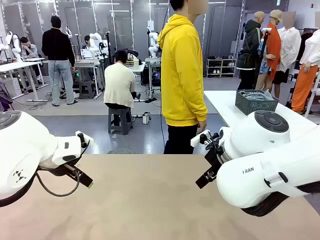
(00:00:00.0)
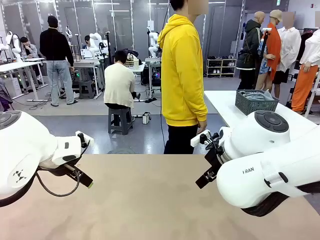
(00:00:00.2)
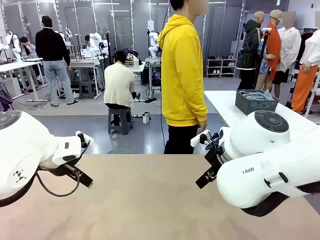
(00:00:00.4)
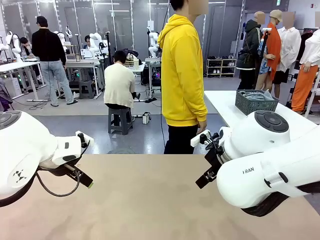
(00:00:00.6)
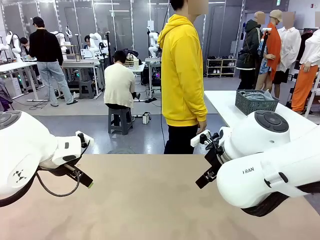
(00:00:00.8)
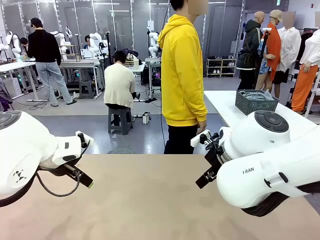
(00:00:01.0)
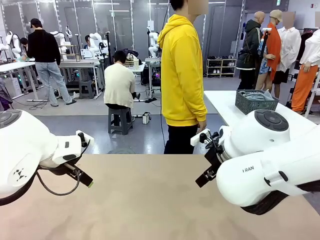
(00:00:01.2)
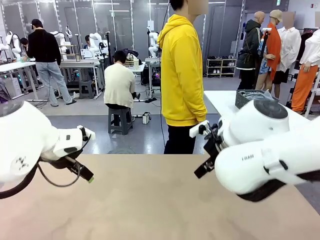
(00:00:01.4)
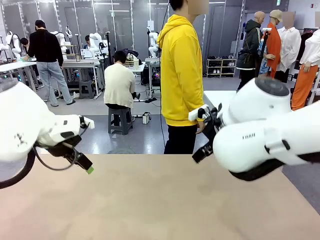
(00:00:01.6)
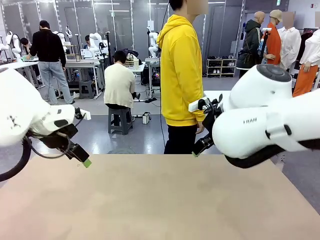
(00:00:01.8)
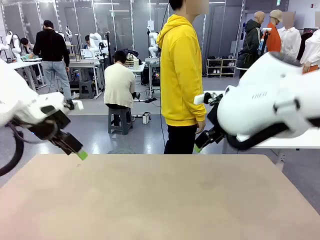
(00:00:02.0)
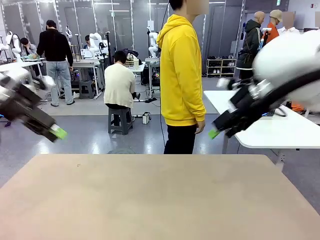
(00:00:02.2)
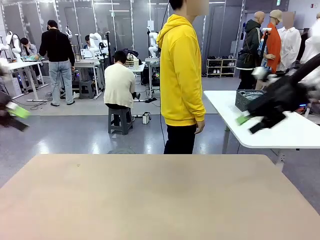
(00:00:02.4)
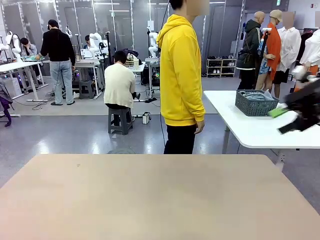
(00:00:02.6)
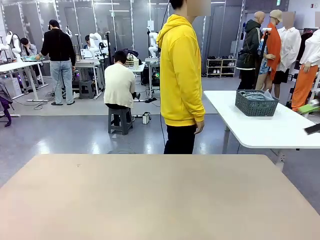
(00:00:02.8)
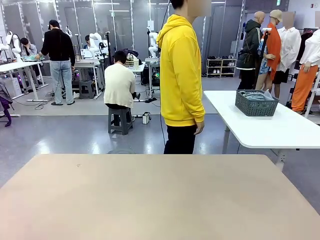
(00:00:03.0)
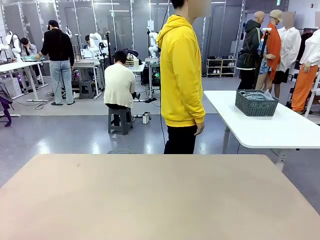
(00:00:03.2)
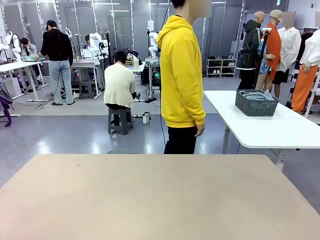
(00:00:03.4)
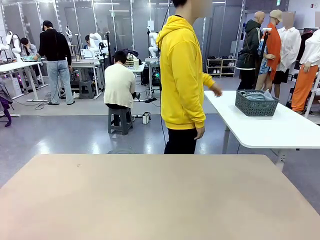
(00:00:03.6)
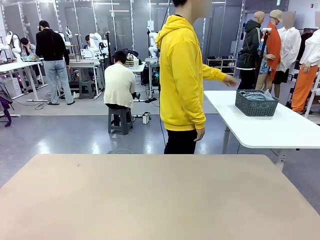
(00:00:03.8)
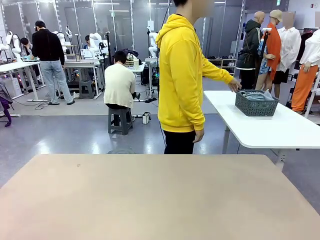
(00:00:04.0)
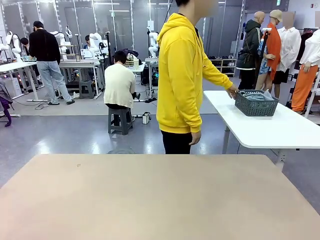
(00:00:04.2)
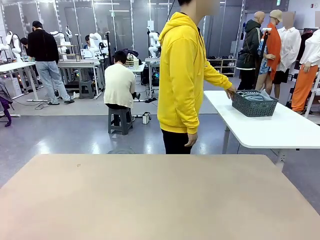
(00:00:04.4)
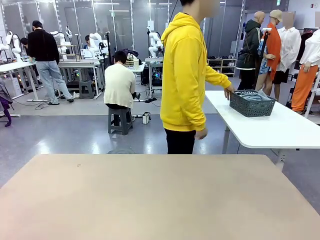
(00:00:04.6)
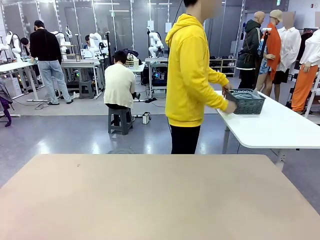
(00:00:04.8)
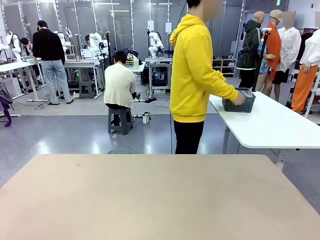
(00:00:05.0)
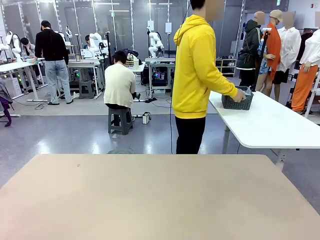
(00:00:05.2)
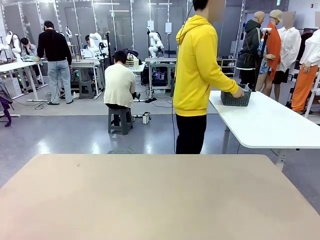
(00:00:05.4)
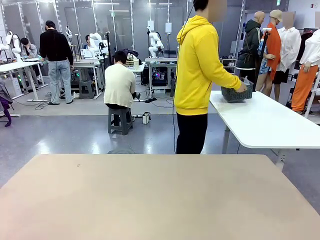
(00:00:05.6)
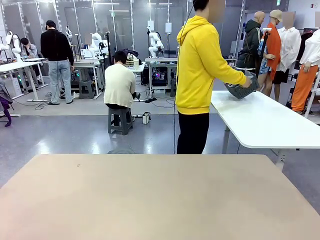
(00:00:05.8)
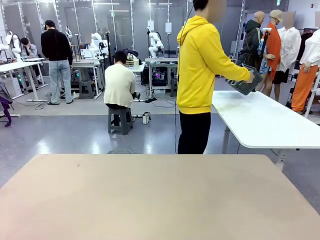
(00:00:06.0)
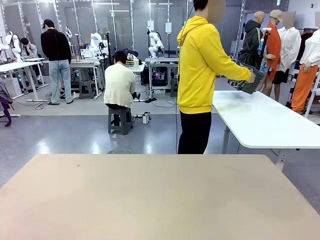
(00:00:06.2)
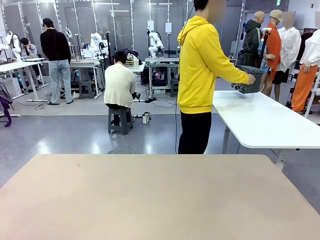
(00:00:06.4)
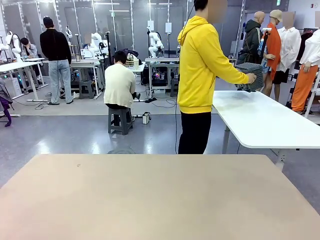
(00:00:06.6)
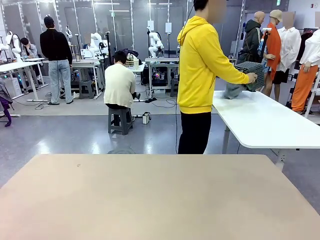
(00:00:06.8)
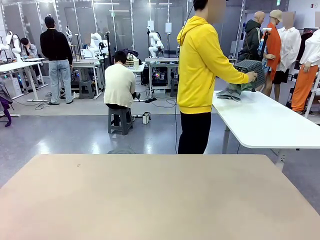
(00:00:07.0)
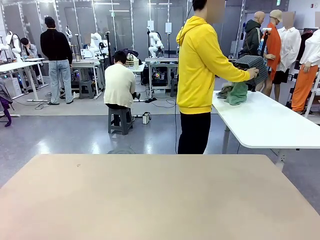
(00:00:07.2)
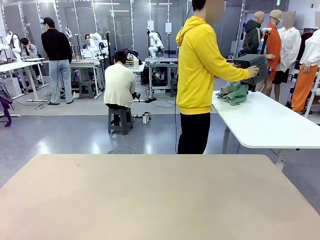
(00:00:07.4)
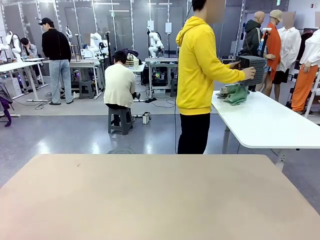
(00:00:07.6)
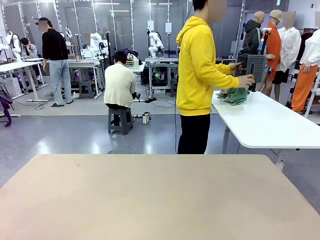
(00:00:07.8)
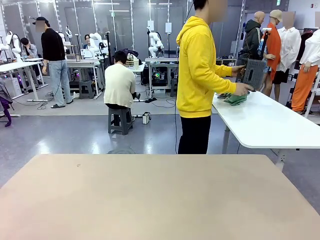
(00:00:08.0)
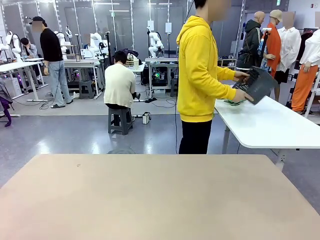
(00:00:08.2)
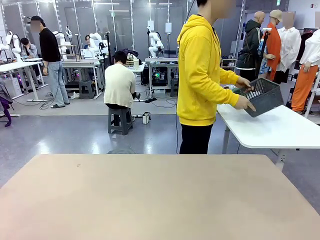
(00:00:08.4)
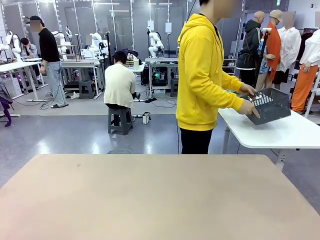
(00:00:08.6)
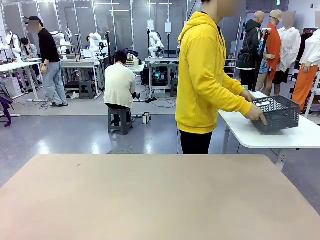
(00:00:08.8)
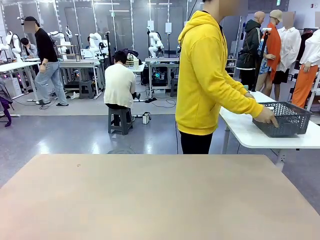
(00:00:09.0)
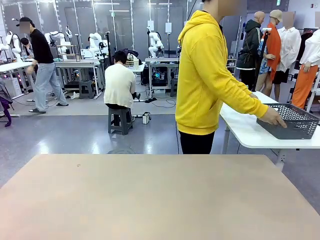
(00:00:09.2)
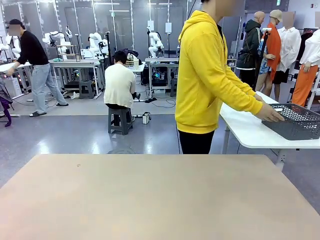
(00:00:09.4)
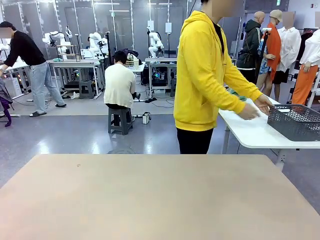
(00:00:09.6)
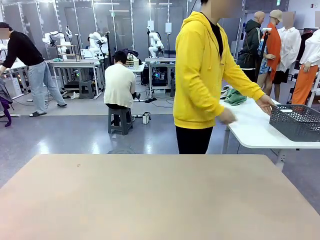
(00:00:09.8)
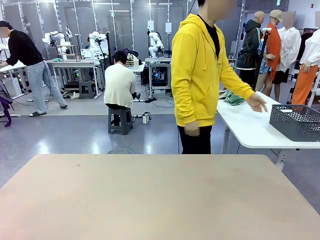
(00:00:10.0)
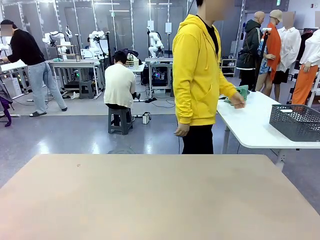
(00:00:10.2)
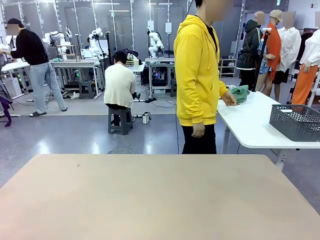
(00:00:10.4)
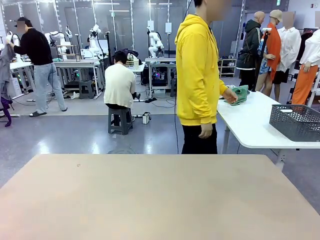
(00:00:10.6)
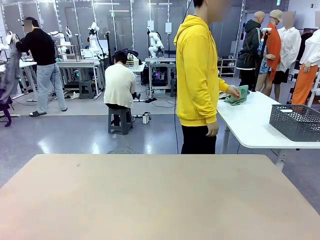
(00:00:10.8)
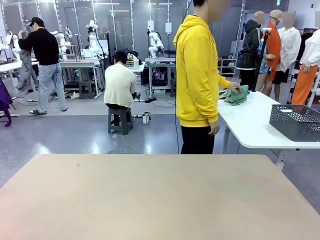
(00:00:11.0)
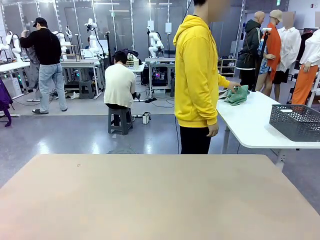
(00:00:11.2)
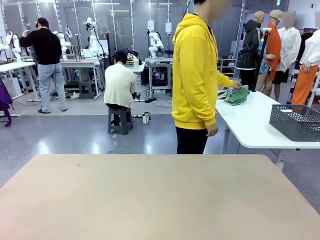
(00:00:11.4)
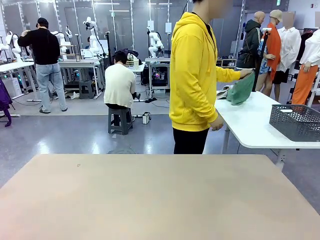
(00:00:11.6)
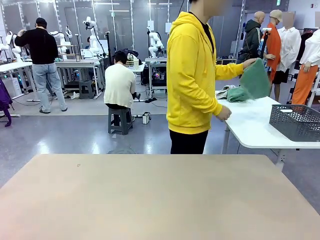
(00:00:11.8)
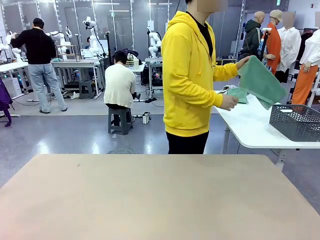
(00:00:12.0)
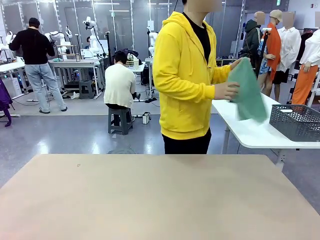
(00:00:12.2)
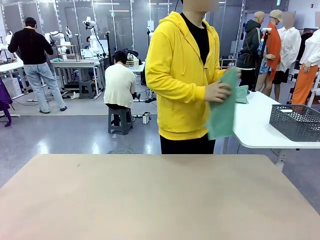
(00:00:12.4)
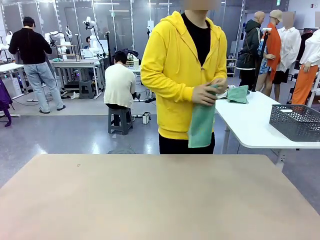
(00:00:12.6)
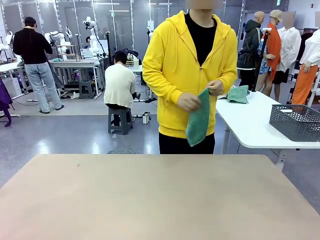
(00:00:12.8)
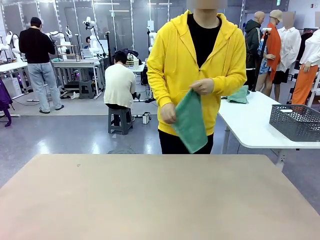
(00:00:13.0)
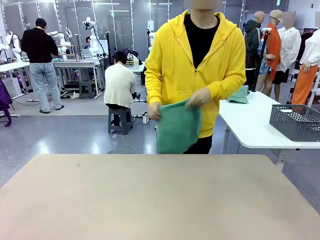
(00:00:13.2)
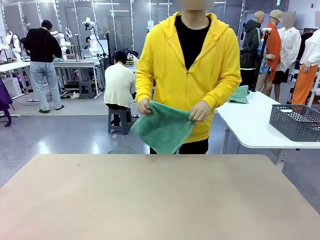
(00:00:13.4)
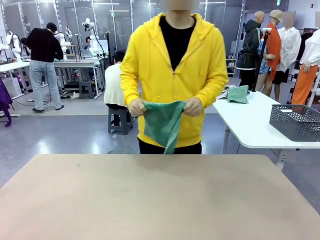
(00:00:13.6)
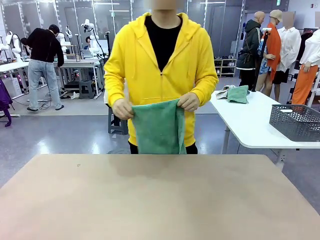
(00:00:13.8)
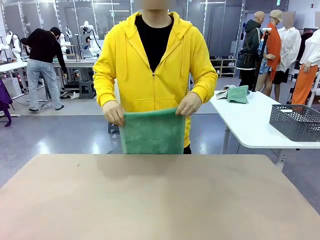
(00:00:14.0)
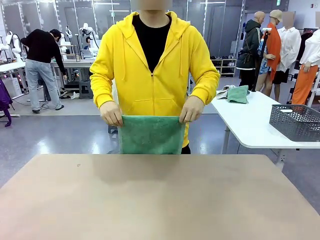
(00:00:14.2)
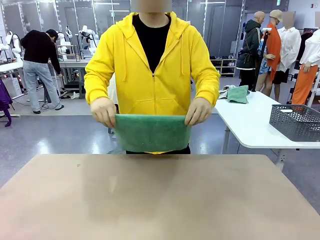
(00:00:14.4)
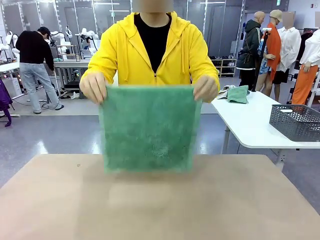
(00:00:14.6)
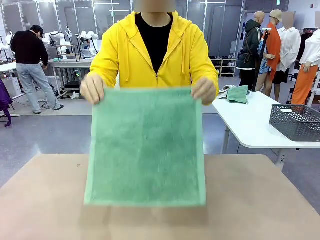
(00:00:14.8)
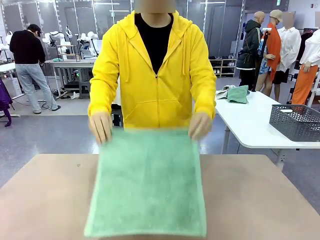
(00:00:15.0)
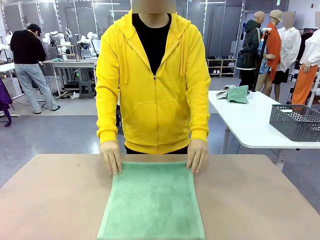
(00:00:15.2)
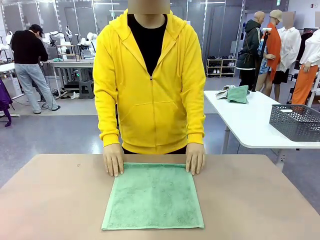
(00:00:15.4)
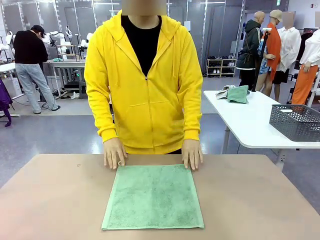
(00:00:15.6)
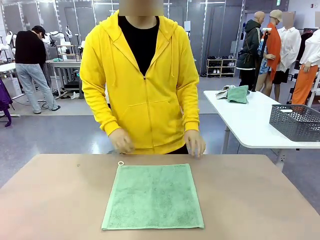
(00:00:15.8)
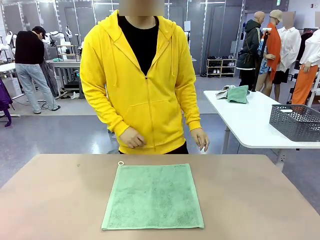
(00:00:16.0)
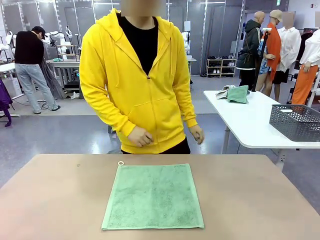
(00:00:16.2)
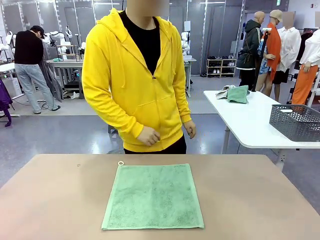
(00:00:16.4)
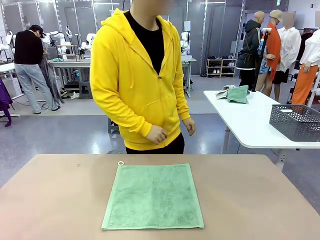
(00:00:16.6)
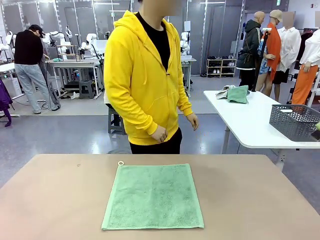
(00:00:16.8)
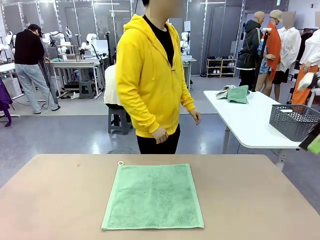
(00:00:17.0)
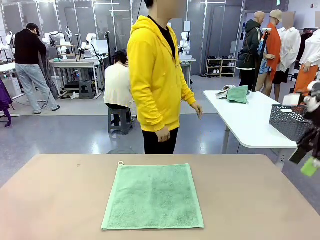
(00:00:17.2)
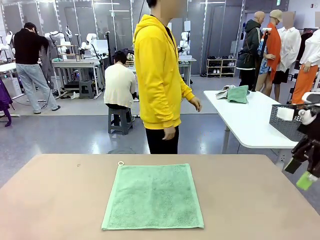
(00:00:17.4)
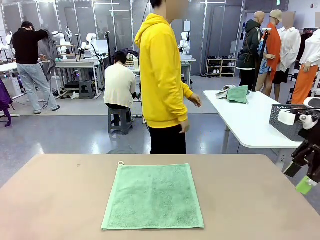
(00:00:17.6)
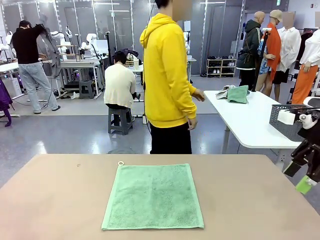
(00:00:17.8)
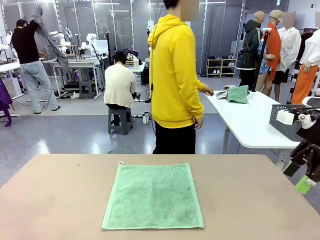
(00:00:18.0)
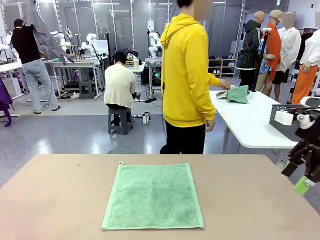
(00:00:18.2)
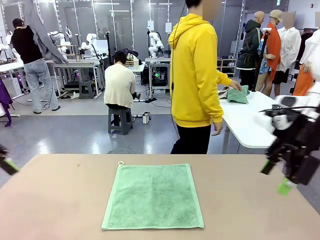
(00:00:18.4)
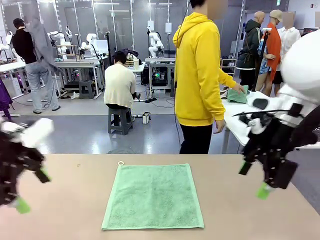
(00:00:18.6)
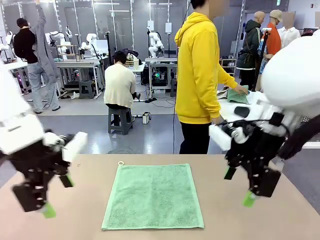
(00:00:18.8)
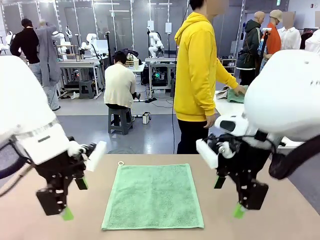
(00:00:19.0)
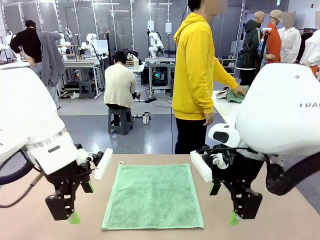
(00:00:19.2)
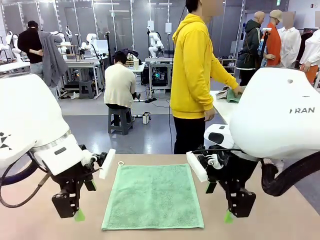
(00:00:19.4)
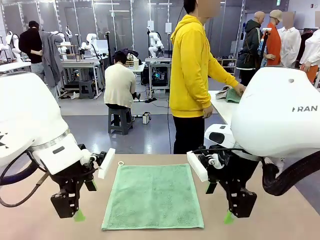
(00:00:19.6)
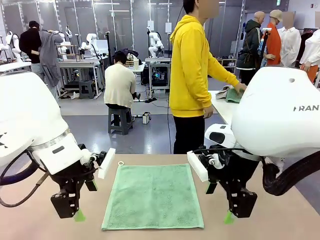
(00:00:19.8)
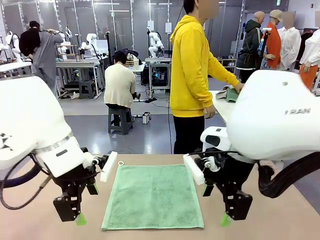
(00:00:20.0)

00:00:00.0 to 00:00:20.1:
Task: Fold the towels and place them in the basket.
Robot: When a person lays out a Towel with hook on the table, fold it in half twice.
Person: Pick up the basket, pour the towels onto the left side of the human table, and place the basket on the right side. Pick up one towel and spread it out at the center of the robot table.
